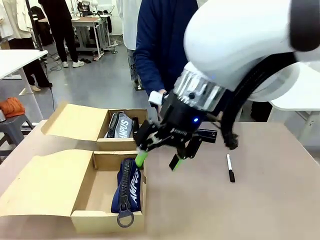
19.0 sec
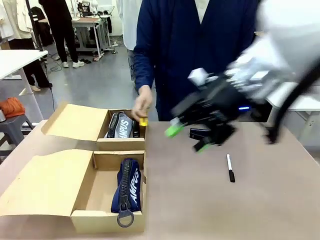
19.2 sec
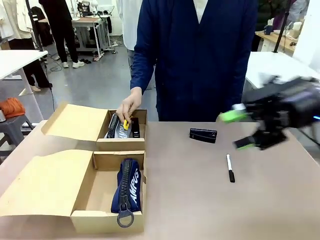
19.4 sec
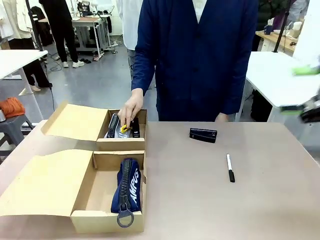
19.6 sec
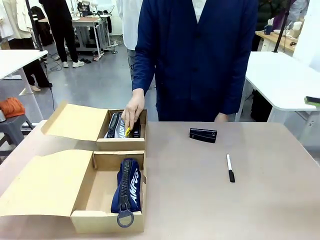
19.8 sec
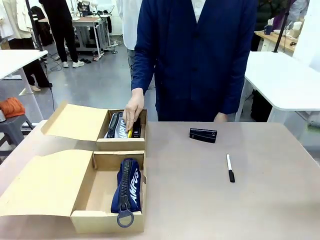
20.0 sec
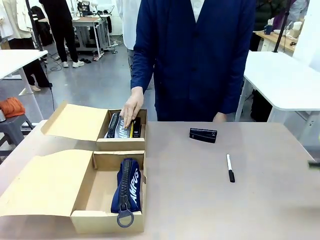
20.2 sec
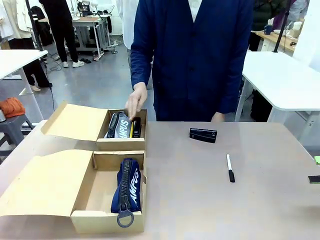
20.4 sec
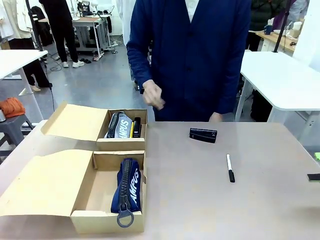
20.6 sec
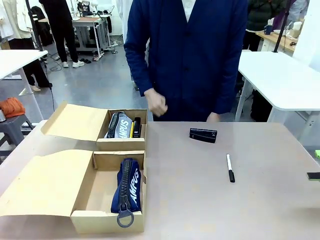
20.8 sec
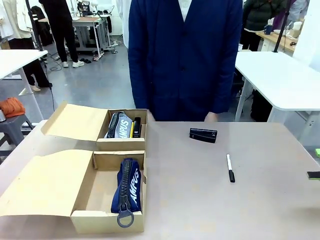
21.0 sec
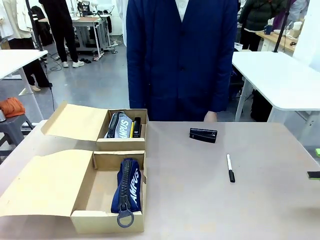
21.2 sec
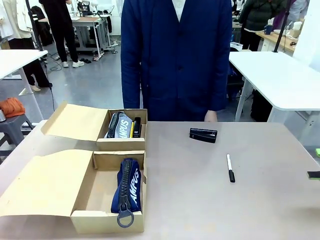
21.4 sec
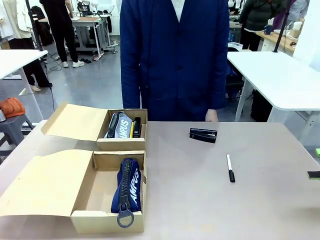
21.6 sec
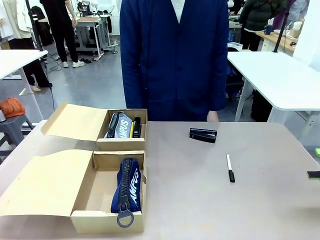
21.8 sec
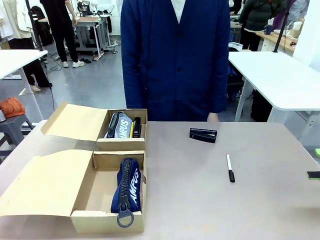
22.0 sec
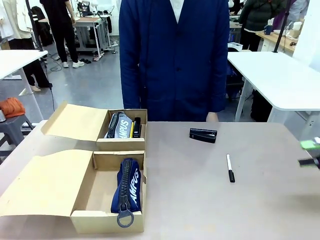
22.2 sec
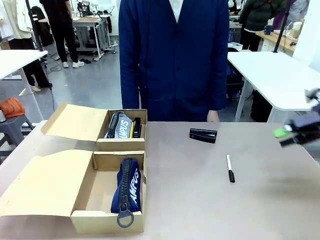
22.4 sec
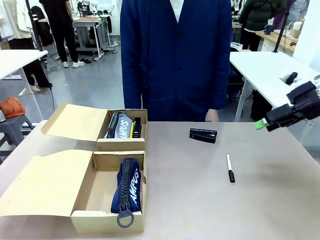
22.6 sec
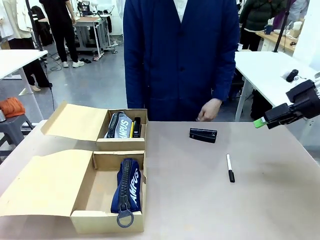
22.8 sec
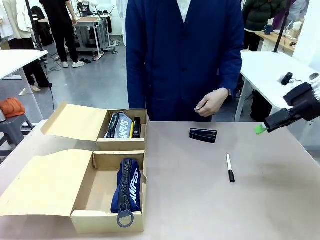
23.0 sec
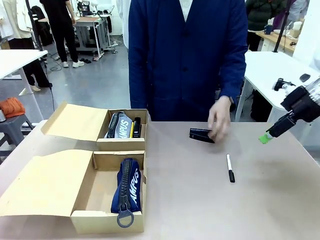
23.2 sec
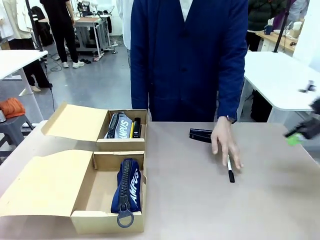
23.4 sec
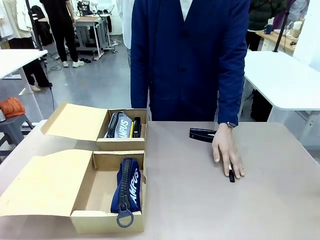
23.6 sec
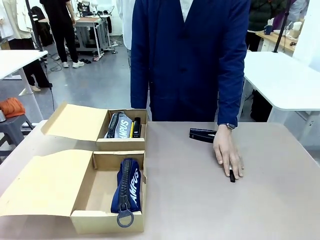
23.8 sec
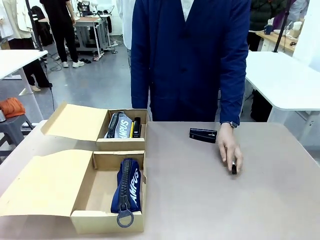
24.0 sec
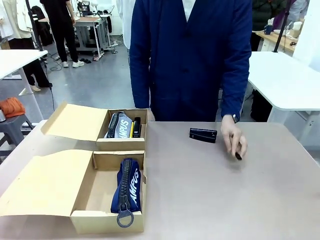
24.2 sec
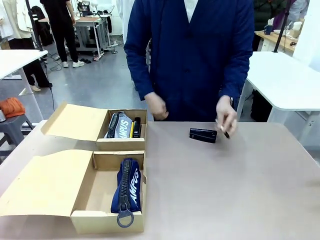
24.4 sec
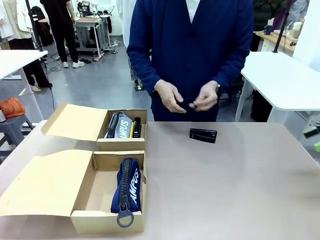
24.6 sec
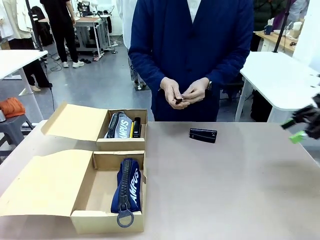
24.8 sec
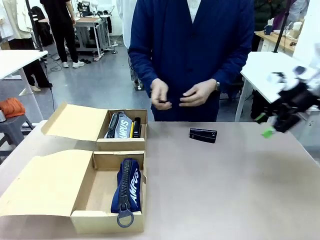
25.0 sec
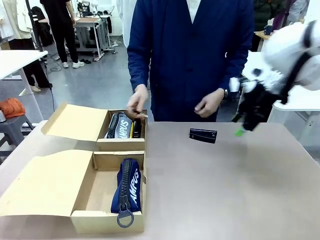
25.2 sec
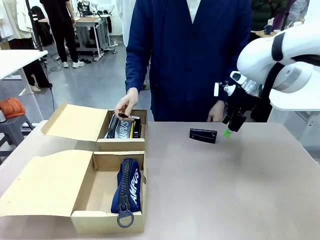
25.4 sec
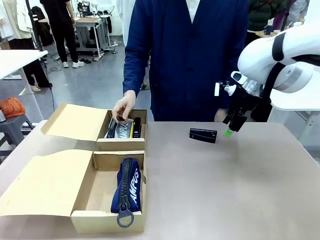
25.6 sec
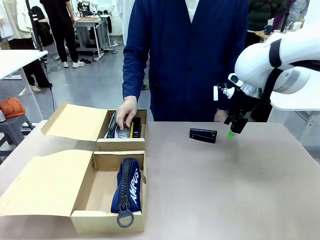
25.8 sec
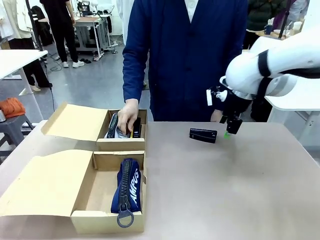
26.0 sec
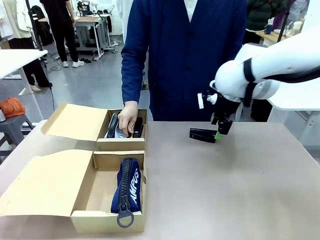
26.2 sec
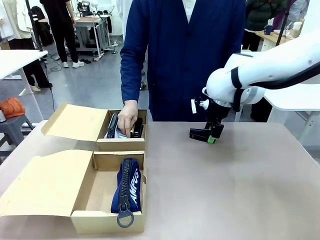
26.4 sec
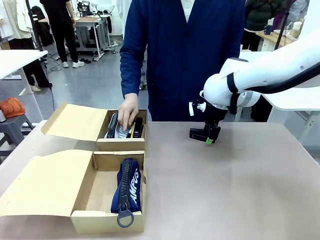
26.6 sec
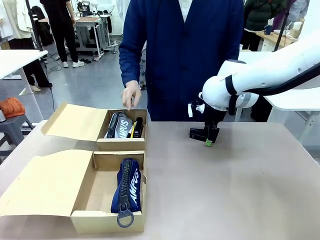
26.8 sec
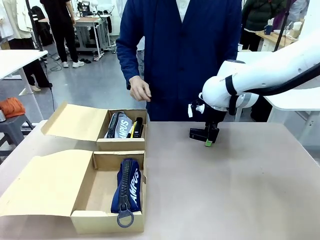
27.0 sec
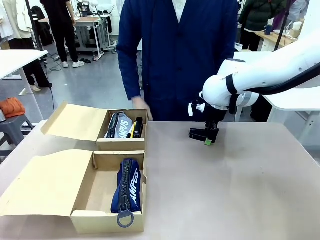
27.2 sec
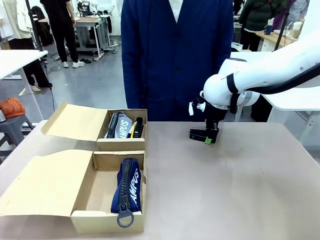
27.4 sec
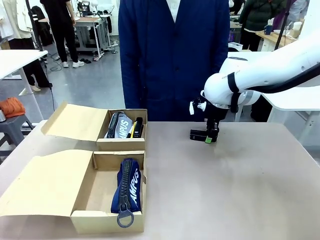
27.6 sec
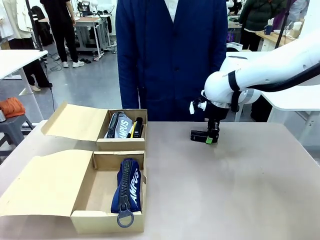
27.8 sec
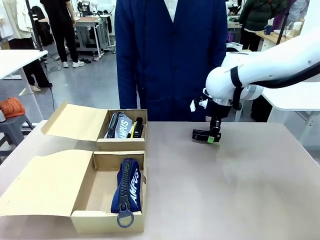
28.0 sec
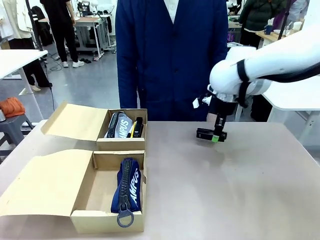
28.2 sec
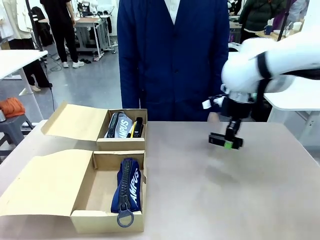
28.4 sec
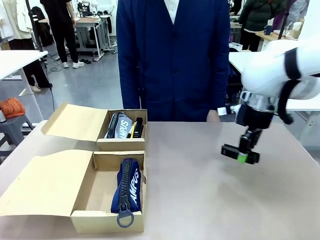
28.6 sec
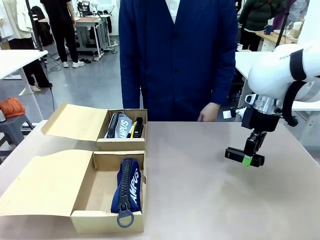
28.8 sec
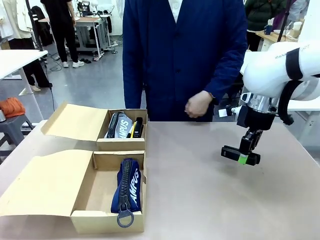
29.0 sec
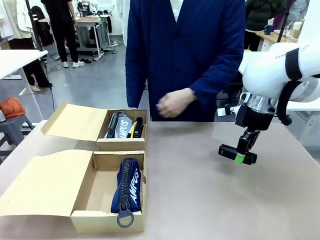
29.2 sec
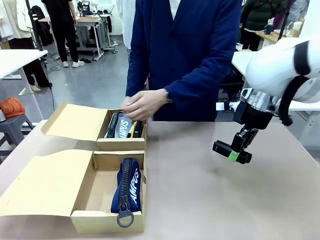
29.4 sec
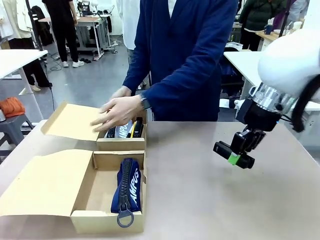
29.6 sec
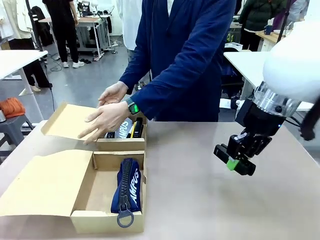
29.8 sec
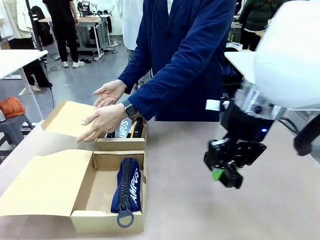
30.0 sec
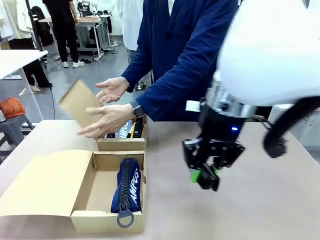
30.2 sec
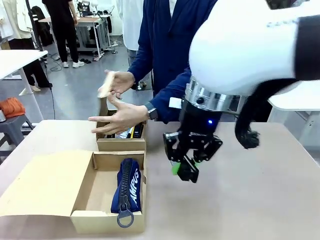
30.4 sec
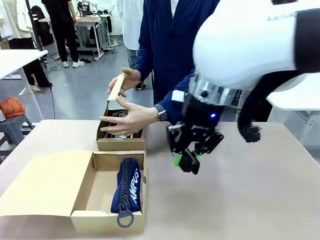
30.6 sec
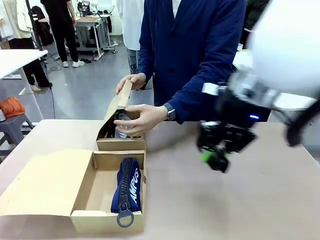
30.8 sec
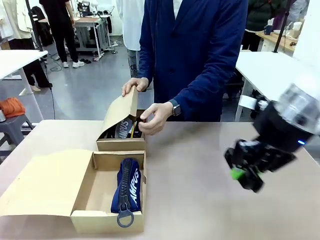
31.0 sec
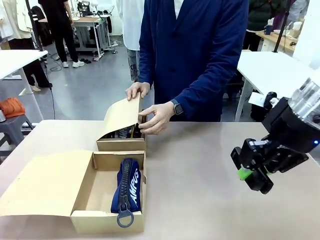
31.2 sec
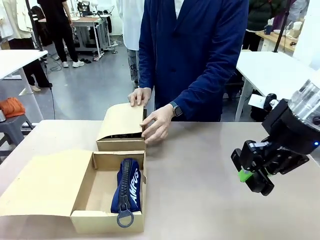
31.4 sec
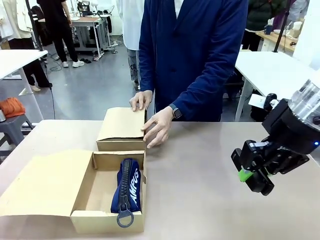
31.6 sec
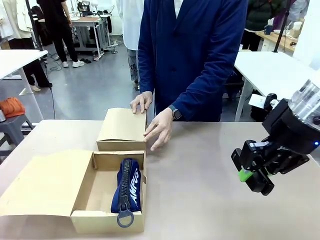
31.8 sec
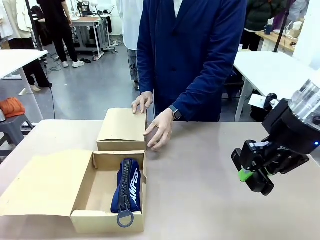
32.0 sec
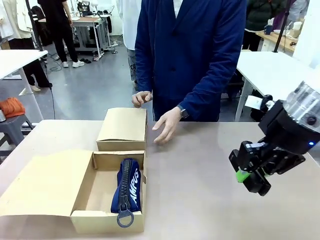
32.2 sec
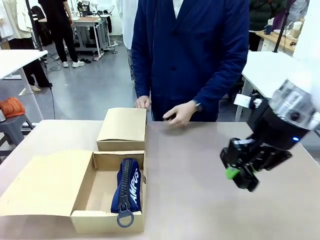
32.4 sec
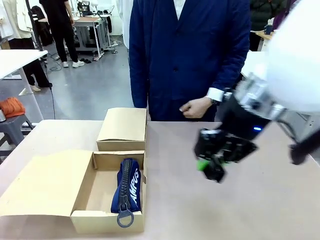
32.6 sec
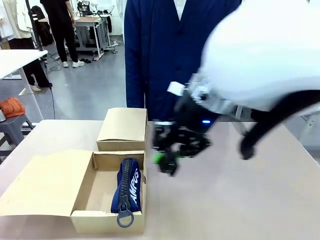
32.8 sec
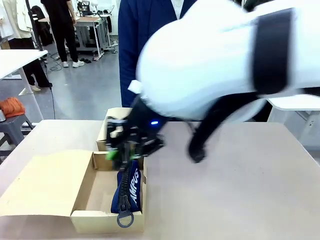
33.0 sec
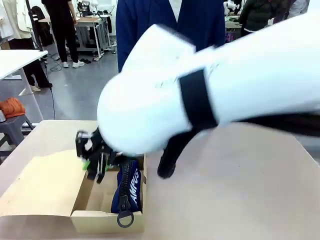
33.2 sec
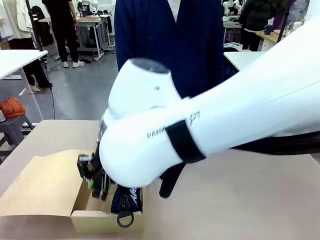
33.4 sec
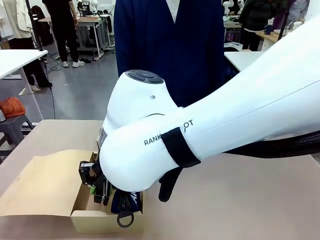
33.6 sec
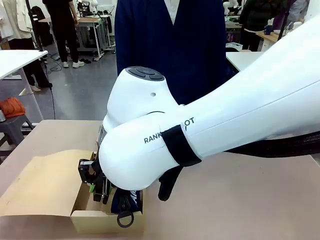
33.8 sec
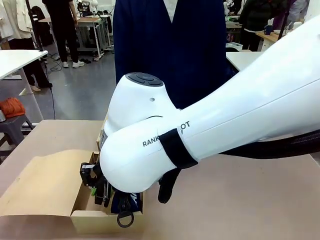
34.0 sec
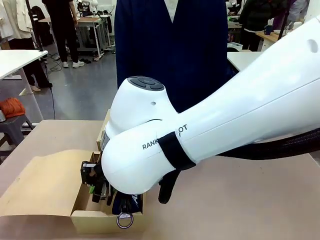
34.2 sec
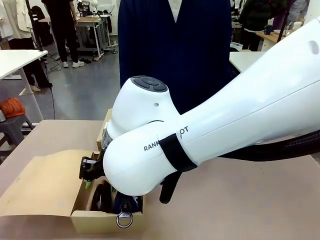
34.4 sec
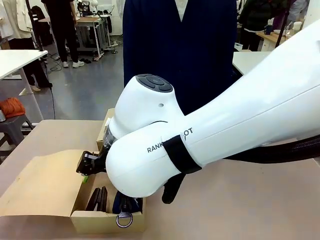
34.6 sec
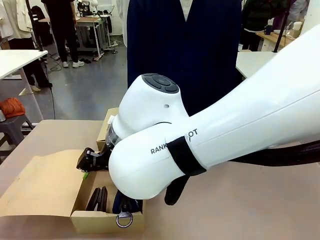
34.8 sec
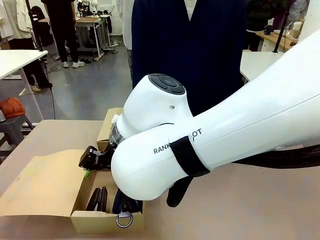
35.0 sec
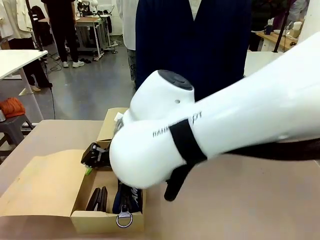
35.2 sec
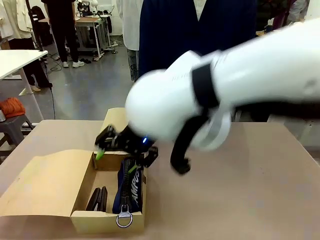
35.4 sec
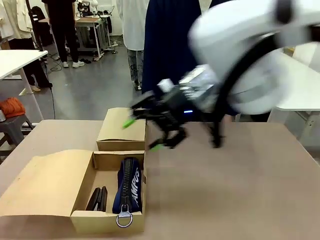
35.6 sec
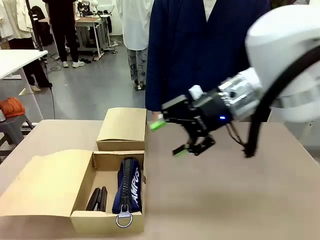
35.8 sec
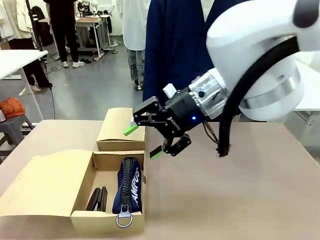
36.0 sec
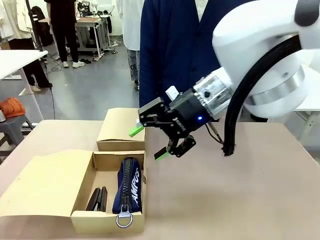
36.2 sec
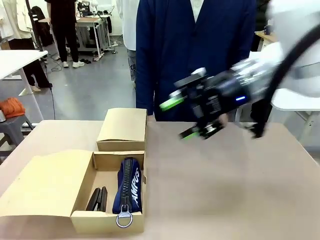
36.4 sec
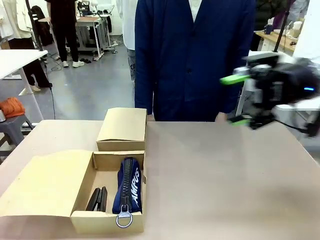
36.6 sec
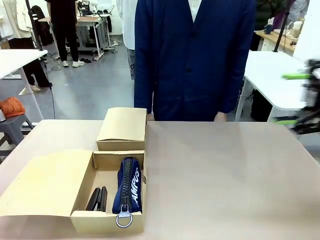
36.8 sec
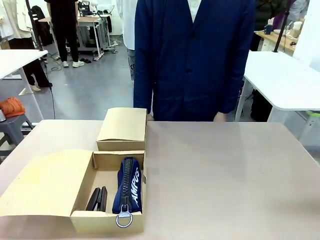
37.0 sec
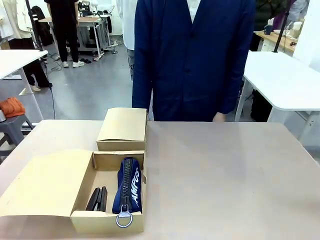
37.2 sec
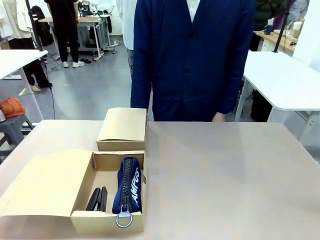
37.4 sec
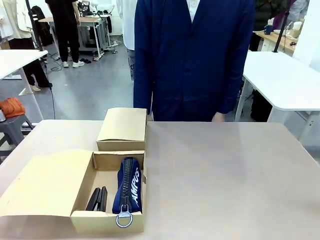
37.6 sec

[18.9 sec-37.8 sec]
Task: Place items inside the box.
Robot: Pick up a Pencil pouch or Stapler and place it inside the Mailer Box closest to the robot.
Person: Close the lid of the box facing the person.
